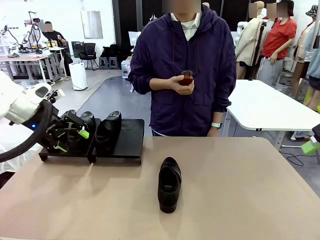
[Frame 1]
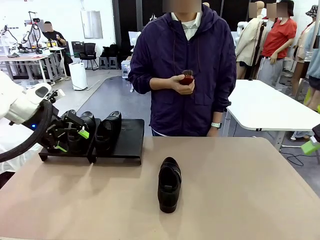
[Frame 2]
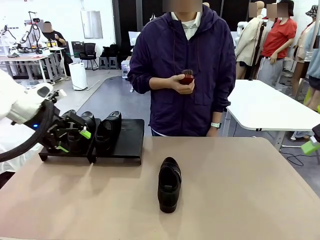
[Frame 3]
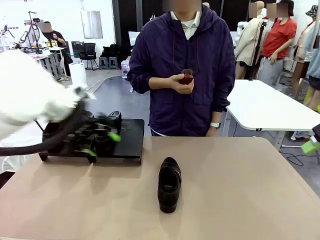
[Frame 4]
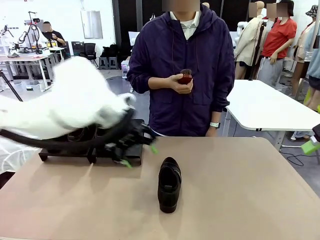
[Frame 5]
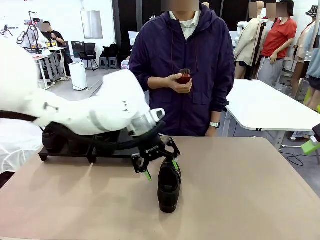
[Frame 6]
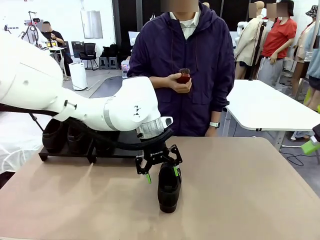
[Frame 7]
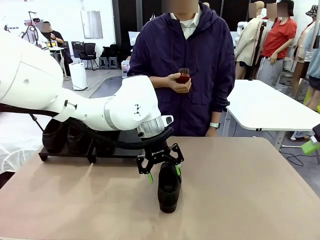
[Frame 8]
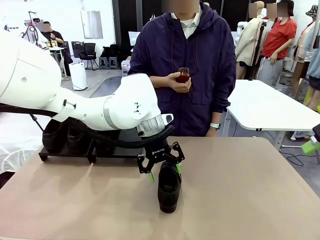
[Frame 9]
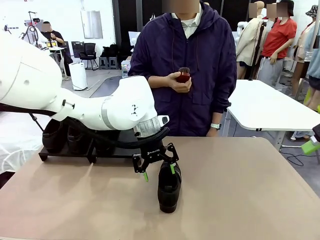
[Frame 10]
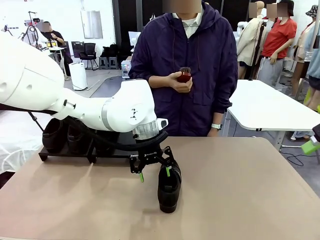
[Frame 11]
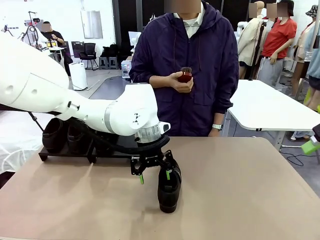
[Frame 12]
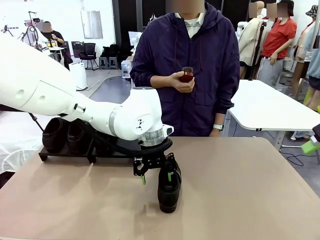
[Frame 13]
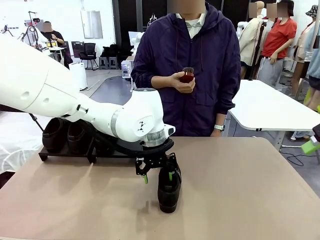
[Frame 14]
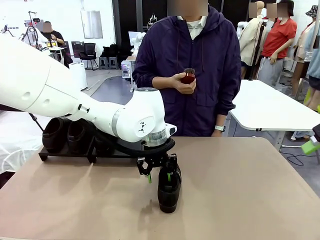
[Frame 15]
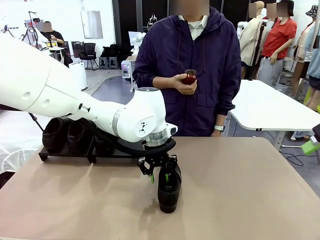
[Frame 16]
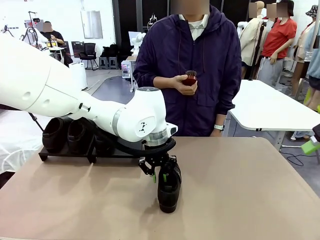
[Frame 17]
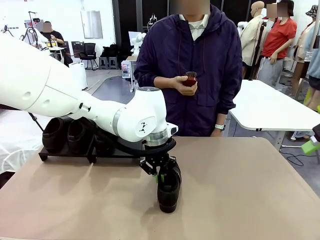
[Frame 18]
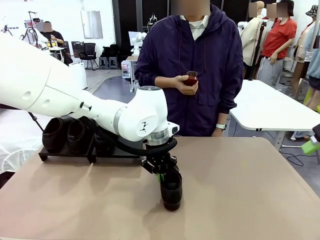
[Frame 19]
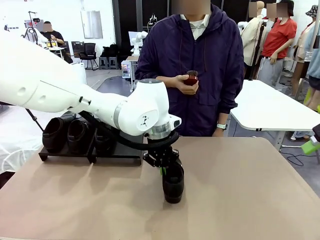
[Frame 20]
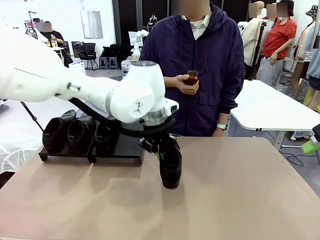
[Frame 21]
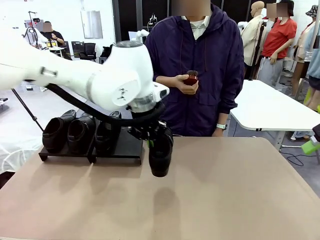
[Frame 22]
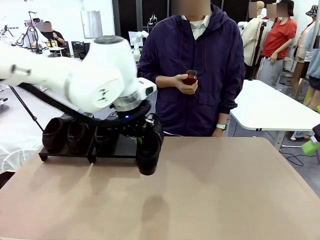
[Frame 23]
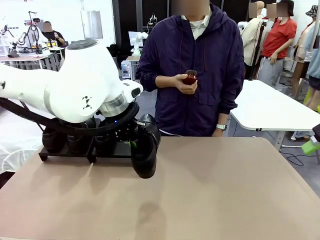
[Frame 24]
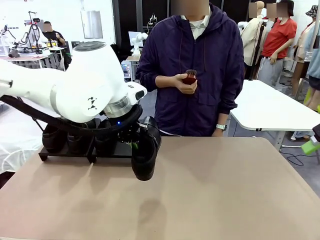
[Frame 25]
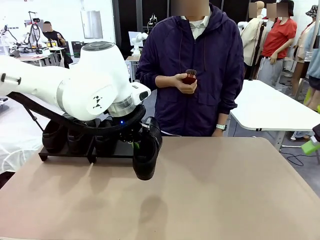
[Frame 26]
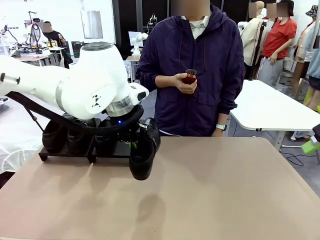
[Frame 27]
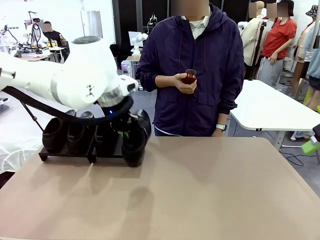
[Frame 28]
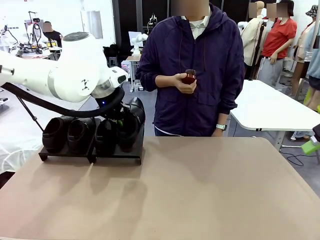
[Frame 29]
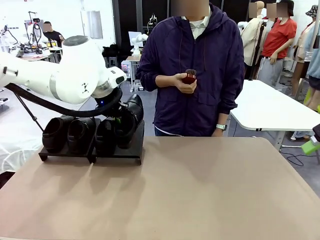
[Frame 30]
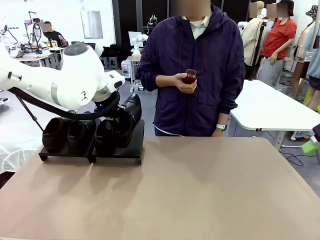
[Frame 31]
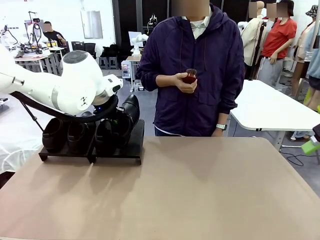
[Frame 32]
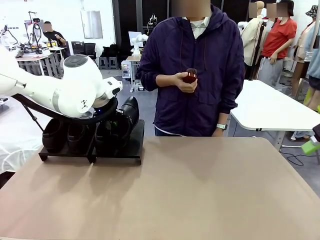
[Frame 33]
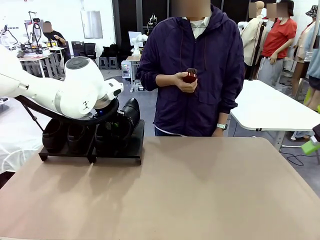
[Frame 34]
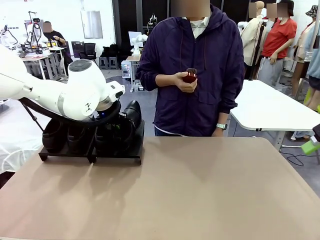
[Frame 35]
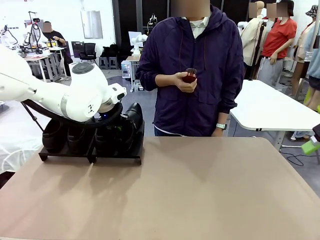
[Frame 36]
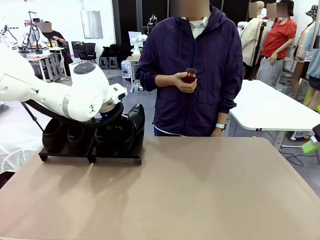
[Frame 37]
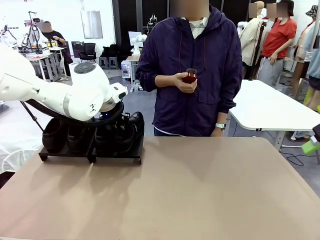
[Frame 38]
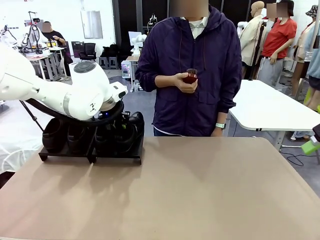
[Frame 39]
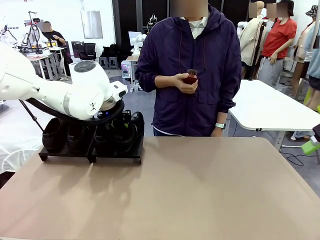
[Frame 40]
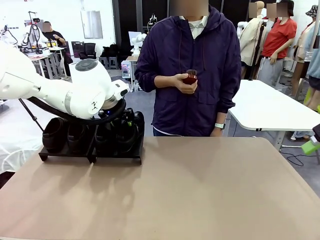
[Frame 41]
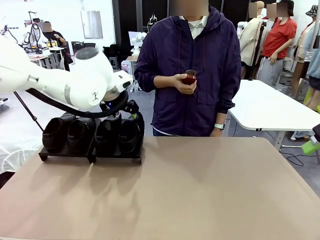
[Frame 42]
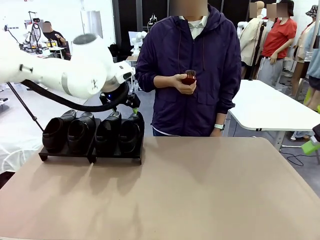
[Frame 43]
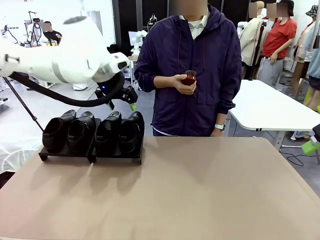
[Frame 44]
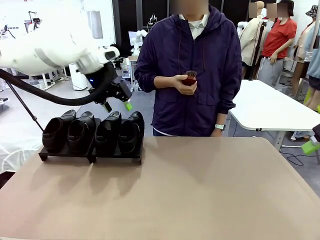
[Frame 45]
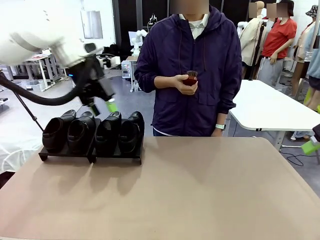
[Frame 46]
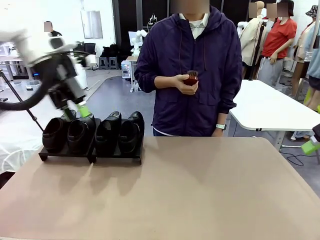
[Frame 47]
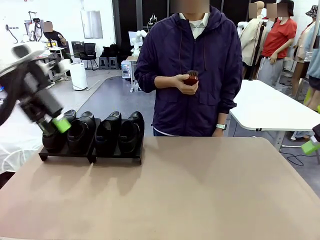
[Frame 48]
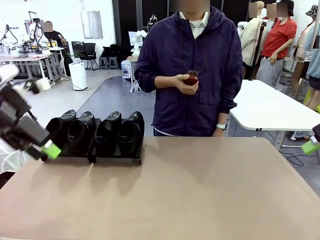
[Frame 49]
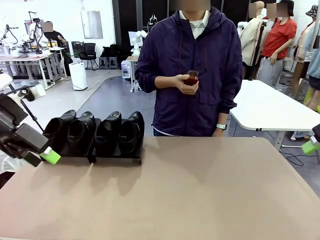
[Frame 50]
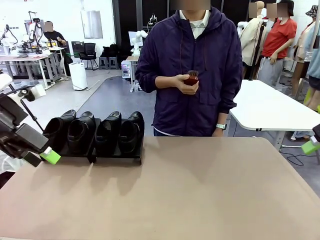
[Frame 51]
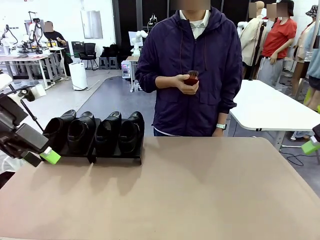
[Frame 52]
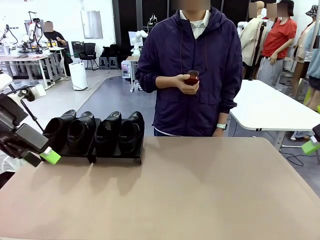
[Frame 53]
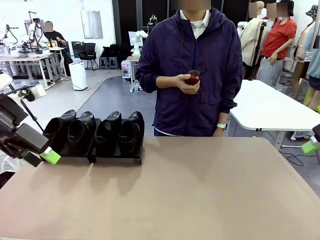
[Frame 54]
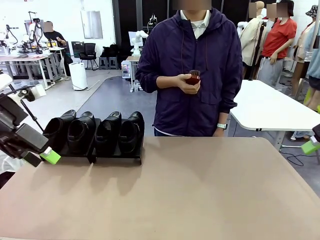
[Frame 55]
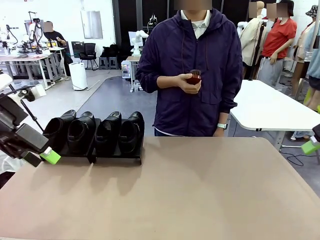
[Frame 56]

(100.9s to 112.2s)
Task: Organize the shoes by placing them on the stand.
Robot: Place the Shoe from the middle of the table onto the Shoes Stand.
